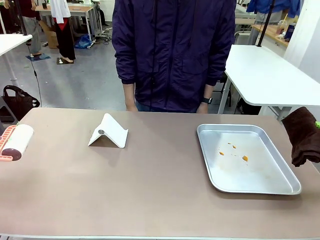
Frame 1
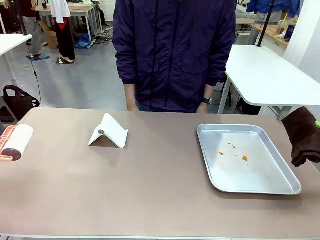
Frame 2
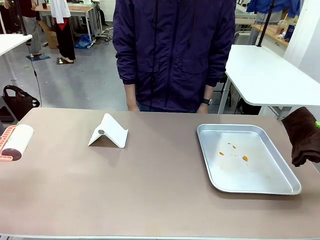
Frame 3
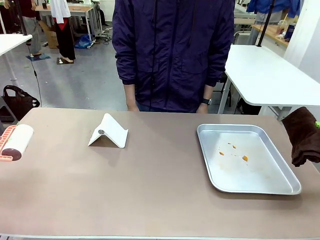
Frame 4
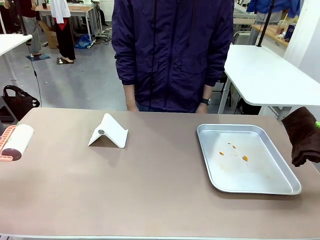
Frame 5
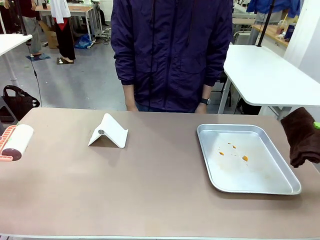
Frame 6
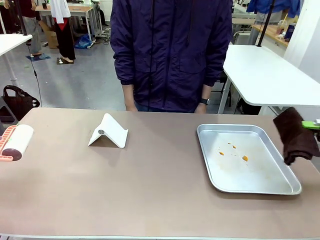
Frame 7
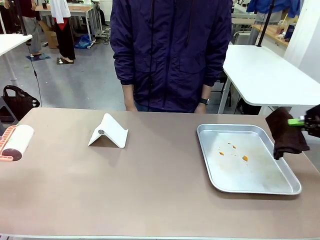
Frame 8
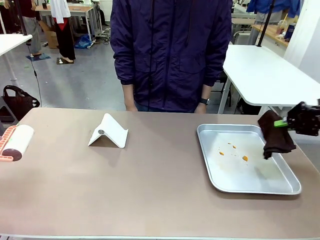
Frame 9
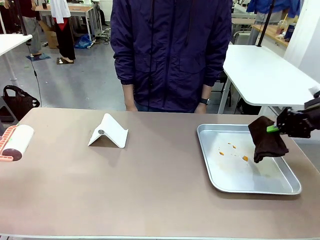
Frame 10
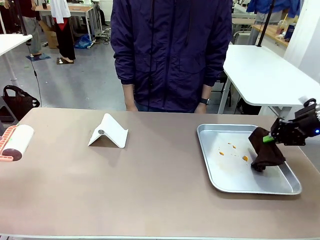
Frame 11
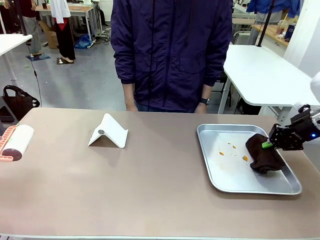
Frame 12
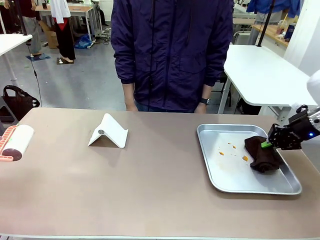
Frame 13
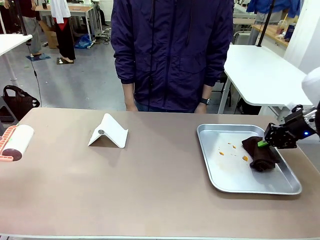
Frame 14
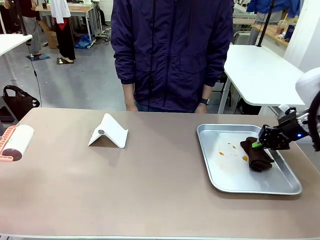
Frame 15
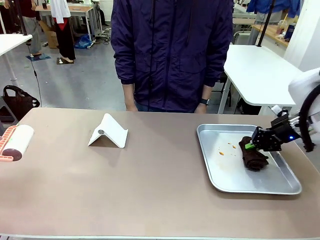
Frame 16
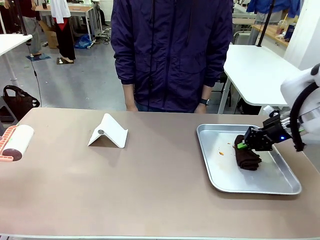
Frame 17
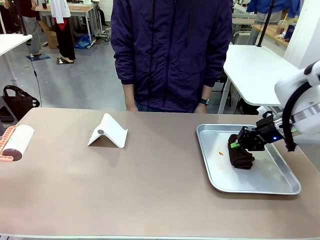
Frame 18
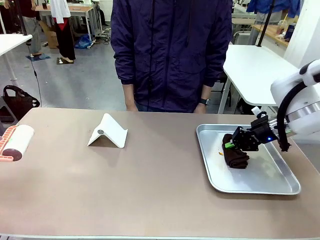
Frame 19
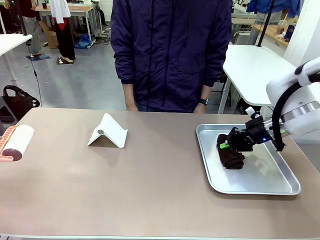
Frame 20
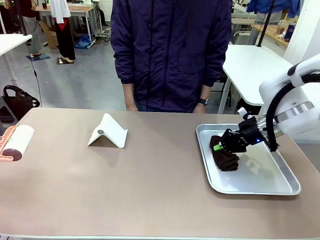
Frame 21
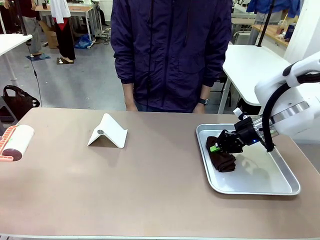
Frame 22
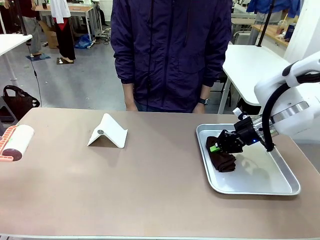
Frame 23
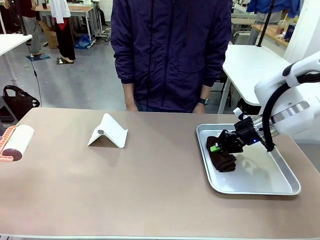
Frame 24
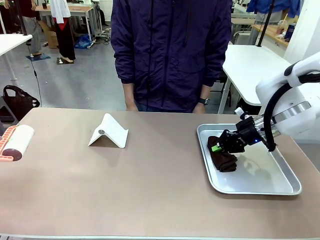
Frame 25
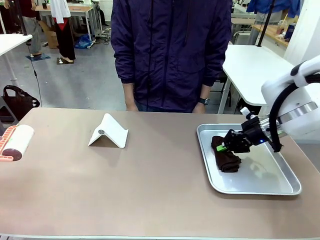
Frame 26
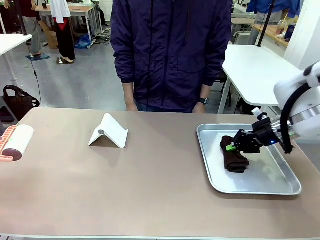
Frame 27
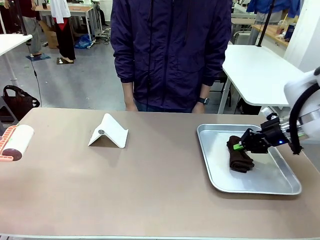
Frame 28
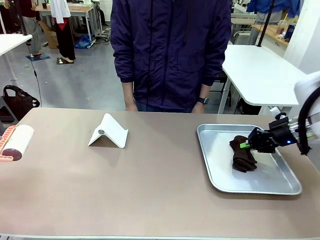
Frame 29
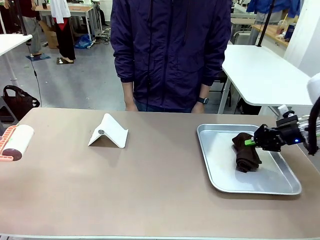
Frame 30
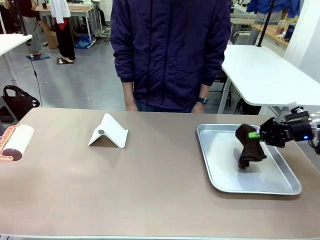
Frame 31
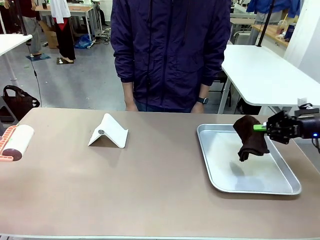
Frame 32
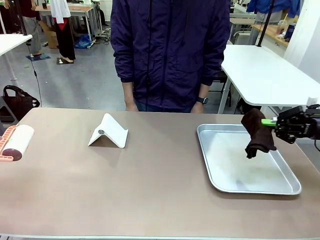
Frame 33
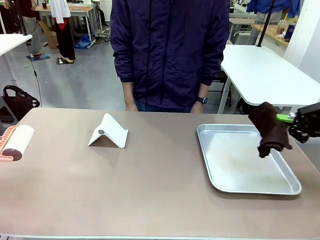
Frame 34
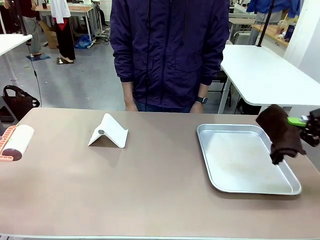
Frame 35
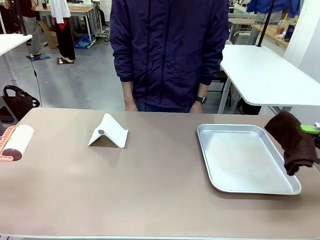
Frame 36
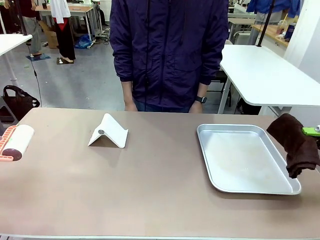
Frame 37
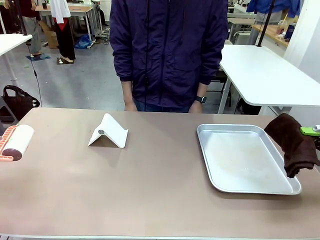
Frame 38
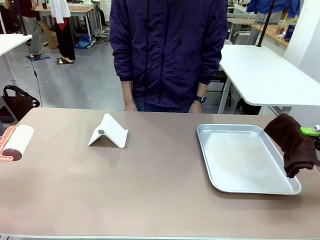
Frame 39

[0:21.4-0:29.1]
Task: Clean the surface of the table.
Robot: Clean the area not pointed to by the person.

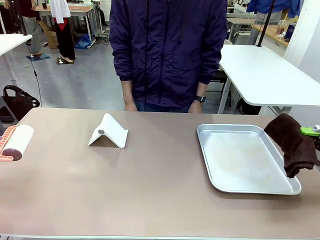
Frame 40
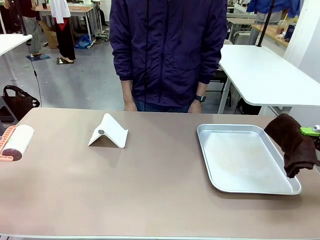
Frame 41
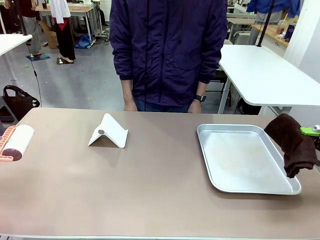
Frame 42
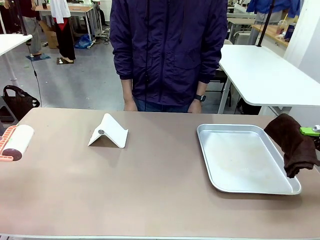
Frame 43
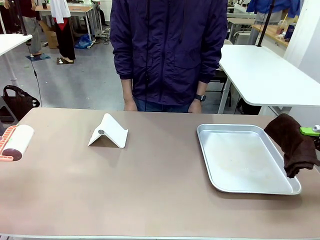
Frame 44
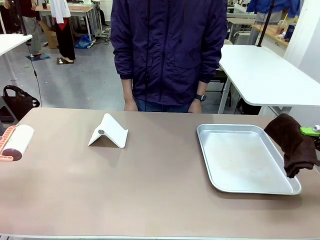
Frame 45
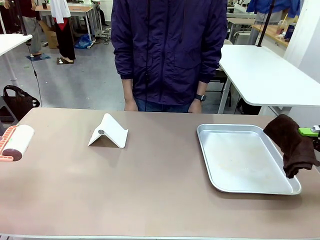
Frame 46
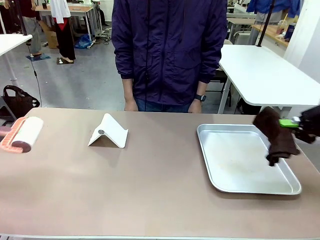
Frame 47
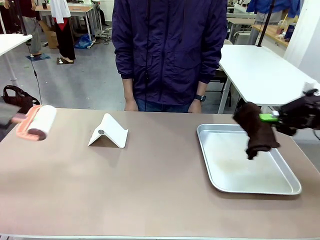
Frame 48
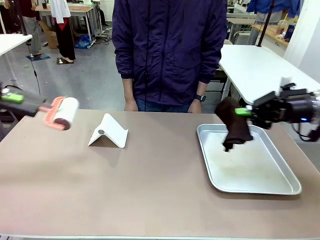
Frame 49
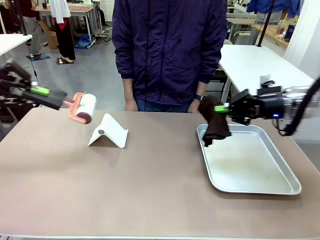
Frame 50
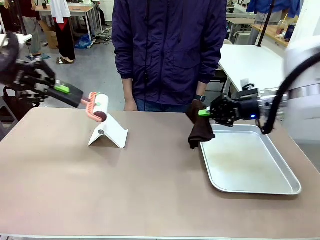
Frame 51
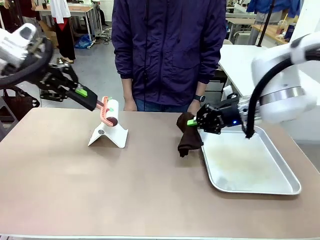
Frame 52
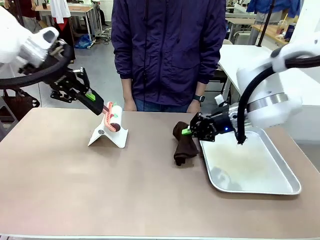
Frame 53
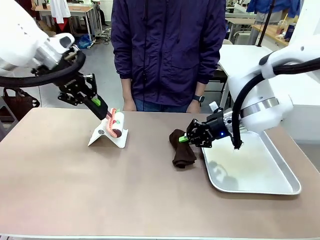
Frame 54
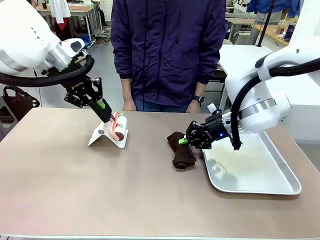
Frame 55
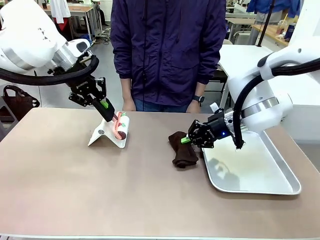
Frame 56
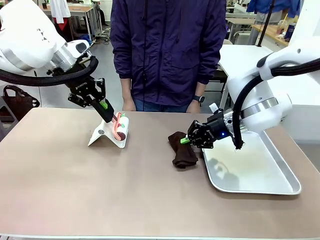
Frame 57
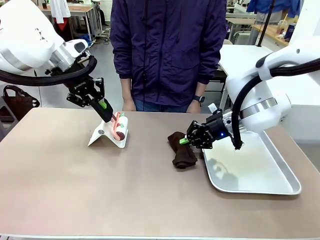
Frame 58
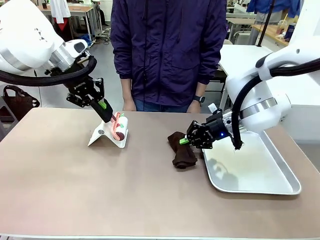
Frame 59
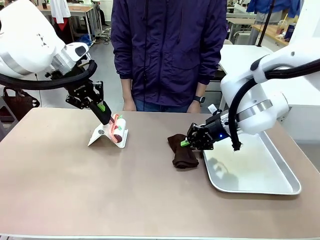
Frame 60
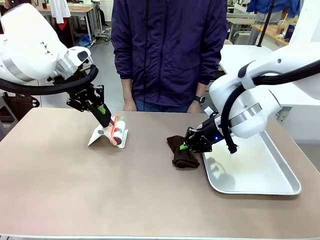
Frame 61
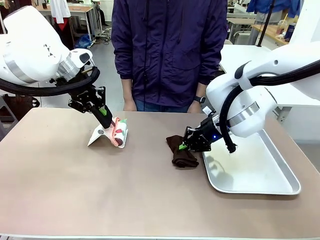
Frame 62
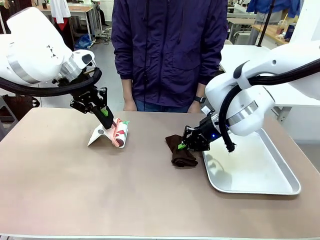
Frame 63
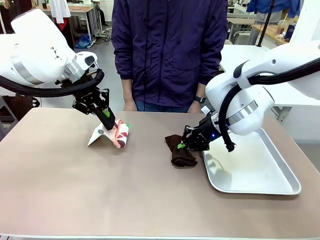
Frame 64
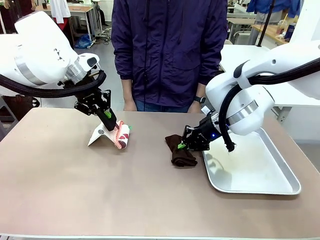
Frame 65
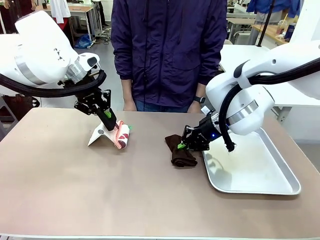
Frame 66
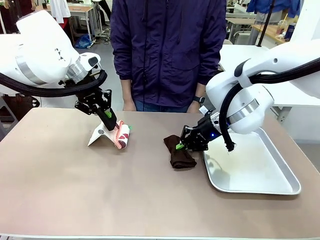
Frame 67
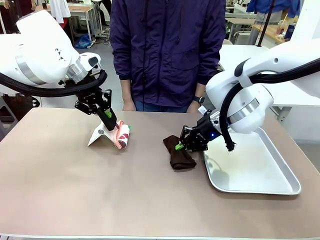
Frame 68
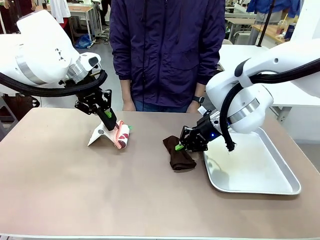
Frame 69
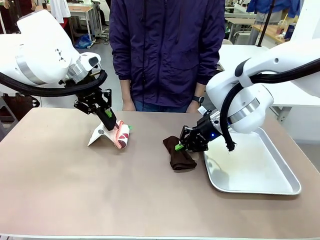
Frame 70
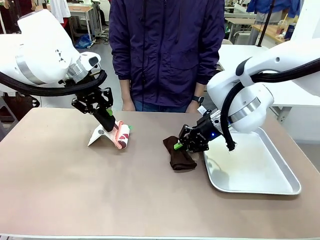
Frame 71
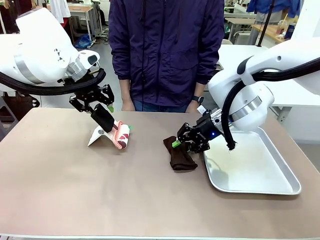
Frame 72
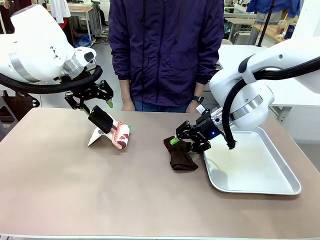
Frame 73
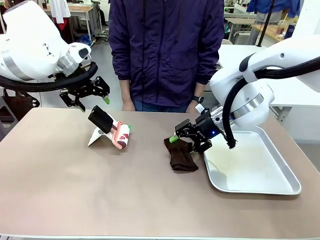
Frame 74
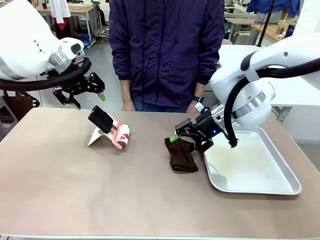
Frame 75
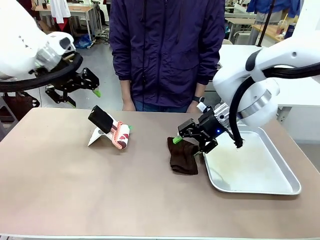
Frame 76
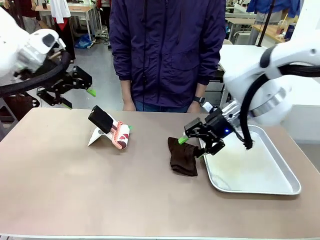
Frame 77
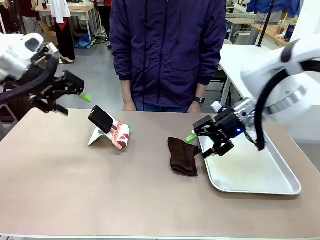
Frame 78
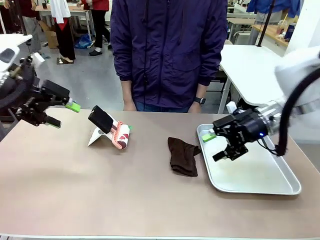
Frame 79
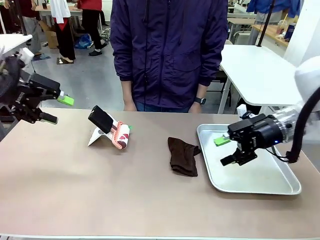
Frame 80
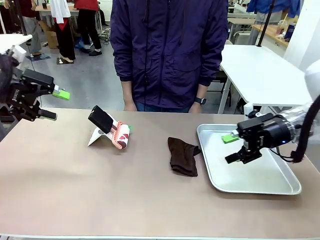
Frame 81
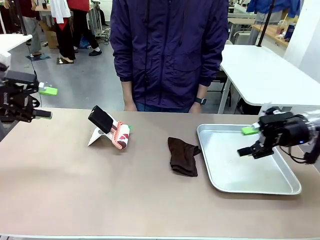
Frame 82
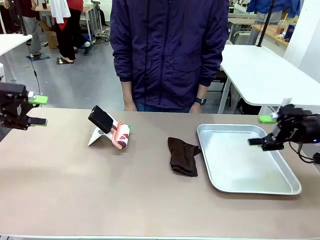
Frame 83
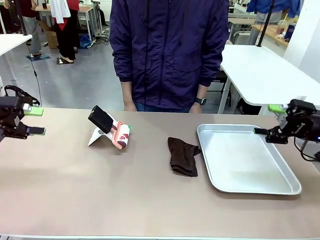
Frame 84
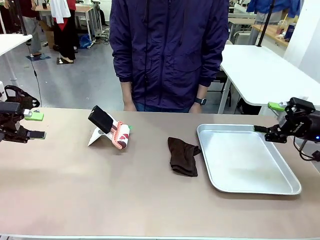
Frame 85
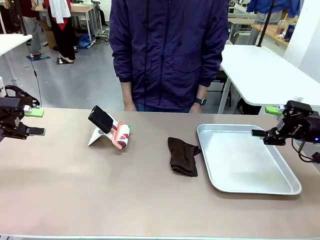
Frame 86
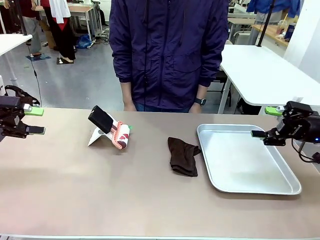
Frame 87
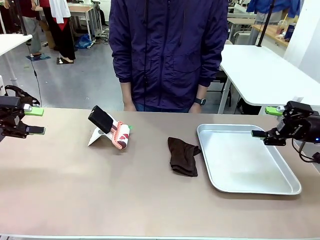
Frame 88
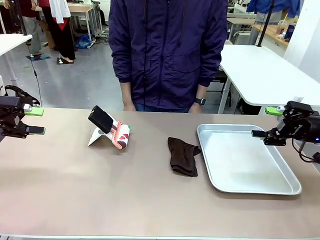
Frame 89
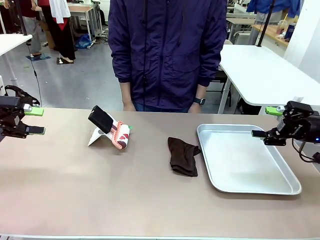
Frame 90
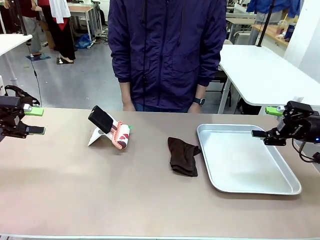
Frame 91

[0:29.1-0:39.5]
Robot: Return the Lint Roller and towel to their original positions.
